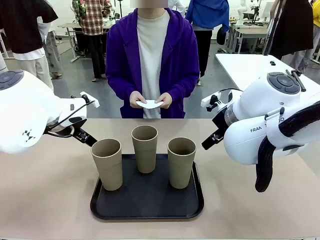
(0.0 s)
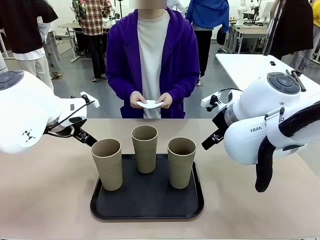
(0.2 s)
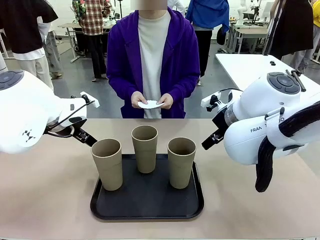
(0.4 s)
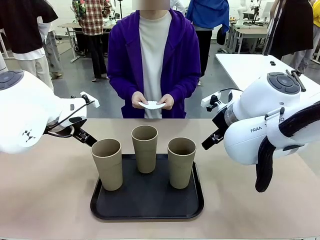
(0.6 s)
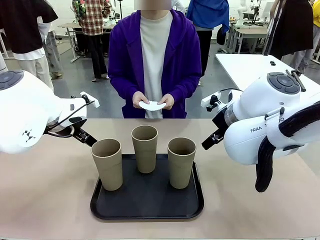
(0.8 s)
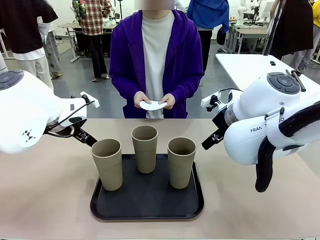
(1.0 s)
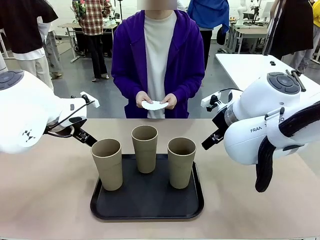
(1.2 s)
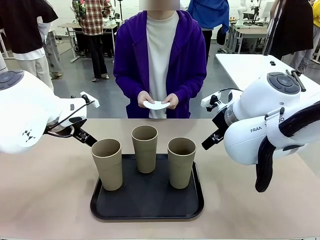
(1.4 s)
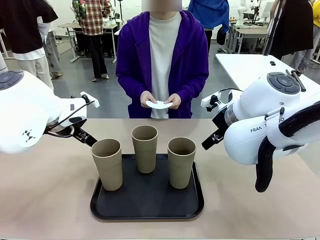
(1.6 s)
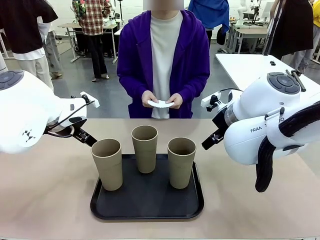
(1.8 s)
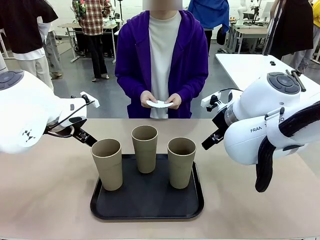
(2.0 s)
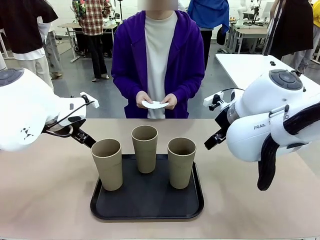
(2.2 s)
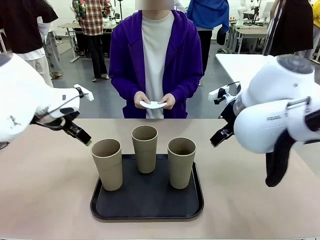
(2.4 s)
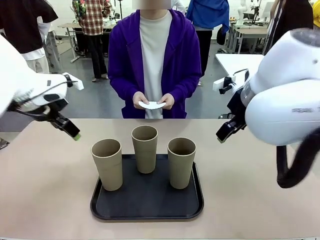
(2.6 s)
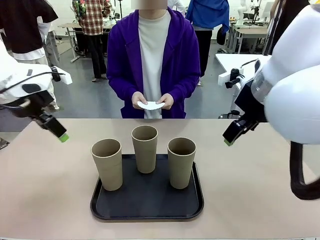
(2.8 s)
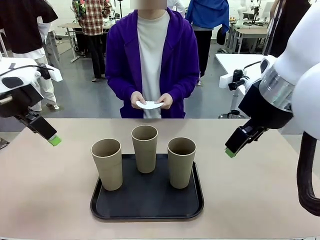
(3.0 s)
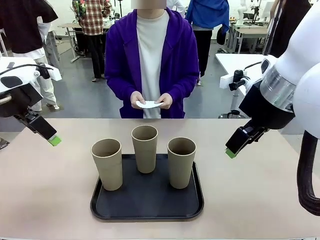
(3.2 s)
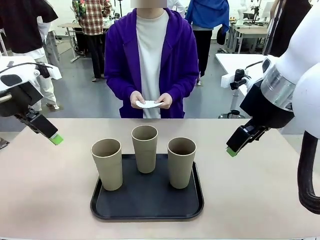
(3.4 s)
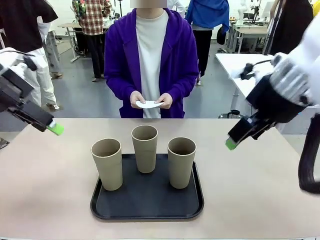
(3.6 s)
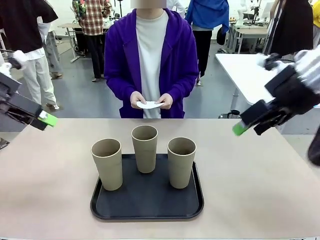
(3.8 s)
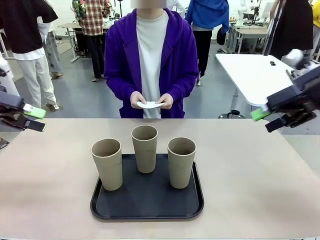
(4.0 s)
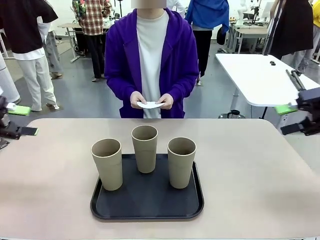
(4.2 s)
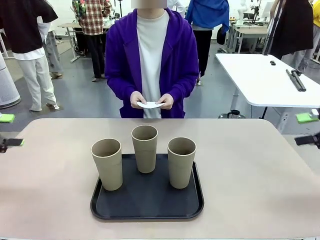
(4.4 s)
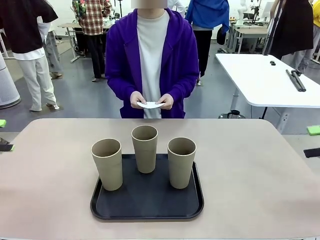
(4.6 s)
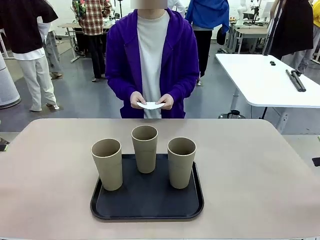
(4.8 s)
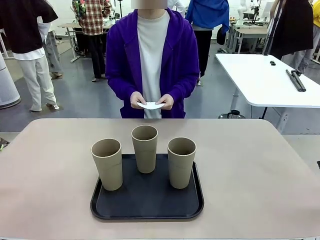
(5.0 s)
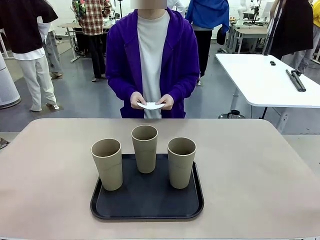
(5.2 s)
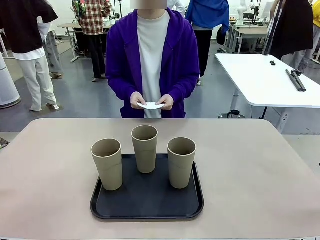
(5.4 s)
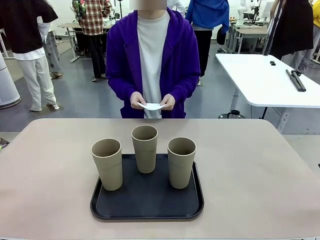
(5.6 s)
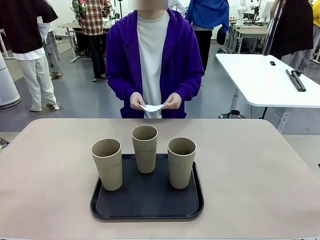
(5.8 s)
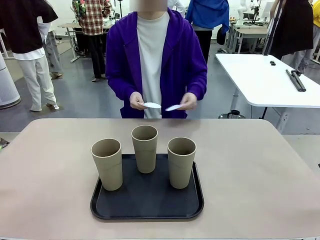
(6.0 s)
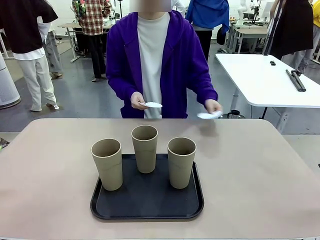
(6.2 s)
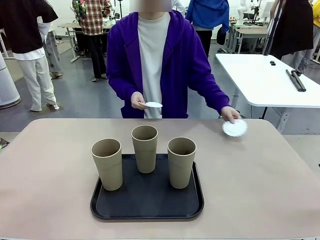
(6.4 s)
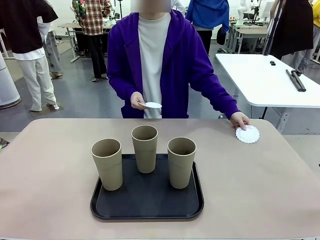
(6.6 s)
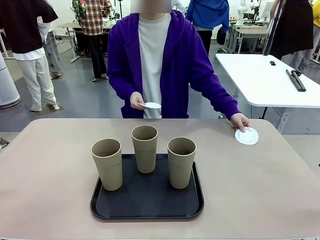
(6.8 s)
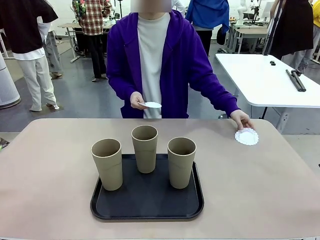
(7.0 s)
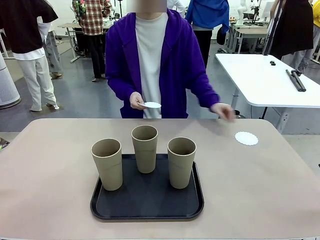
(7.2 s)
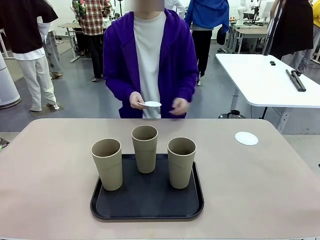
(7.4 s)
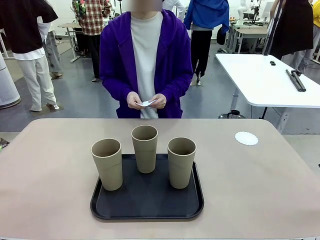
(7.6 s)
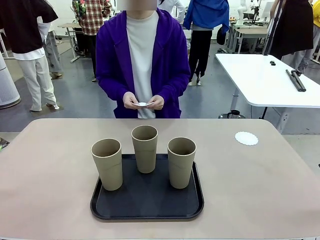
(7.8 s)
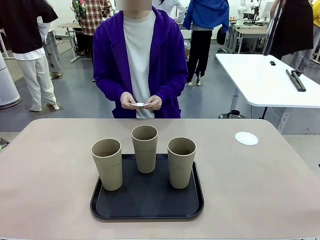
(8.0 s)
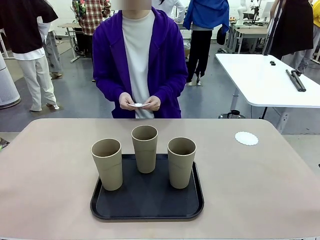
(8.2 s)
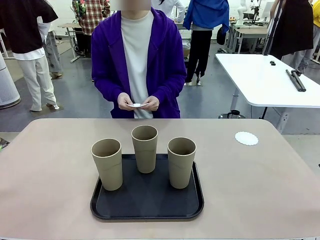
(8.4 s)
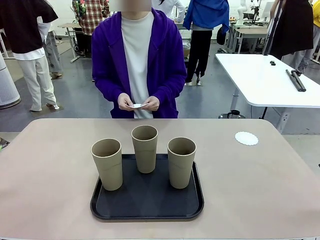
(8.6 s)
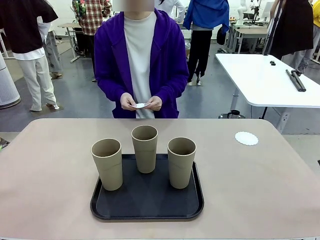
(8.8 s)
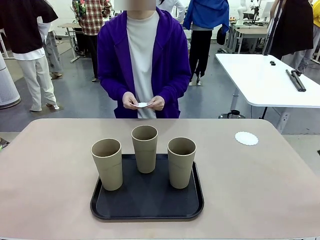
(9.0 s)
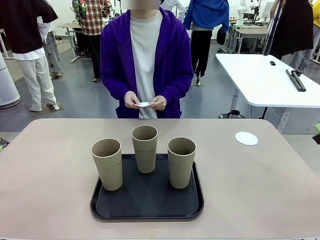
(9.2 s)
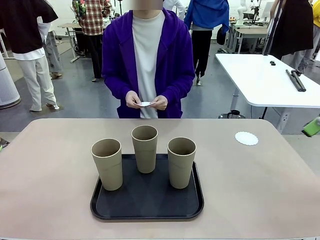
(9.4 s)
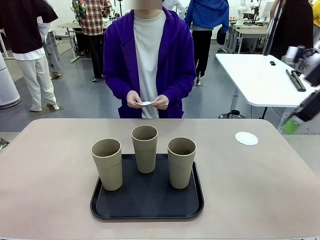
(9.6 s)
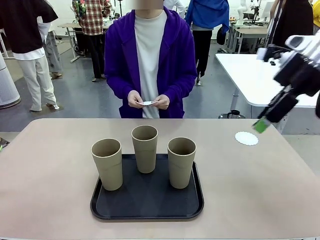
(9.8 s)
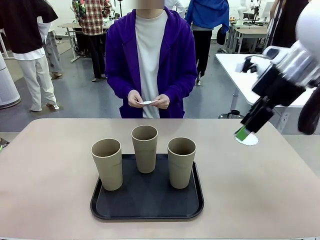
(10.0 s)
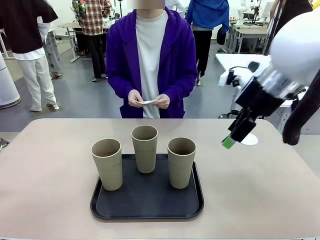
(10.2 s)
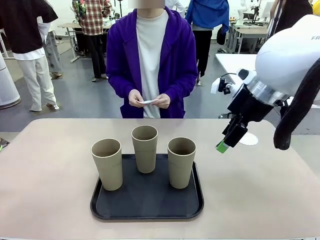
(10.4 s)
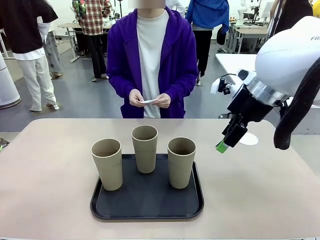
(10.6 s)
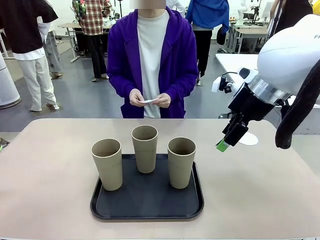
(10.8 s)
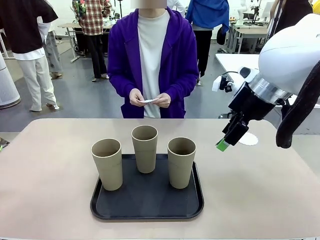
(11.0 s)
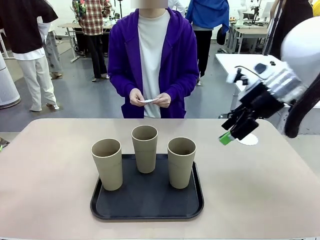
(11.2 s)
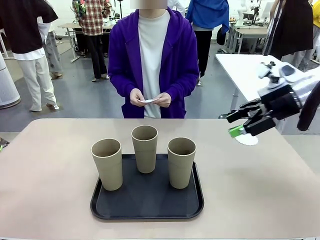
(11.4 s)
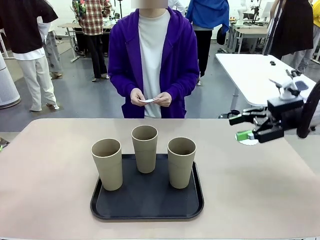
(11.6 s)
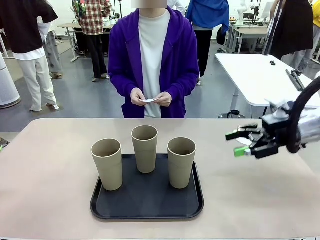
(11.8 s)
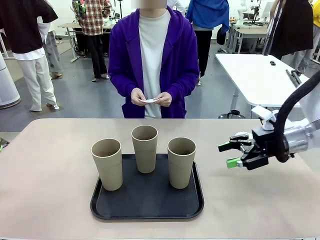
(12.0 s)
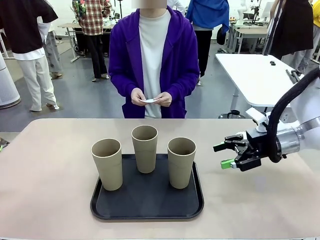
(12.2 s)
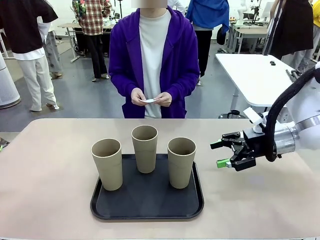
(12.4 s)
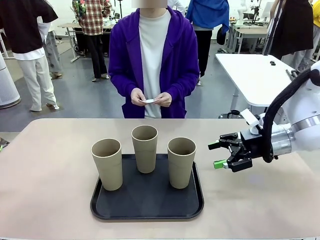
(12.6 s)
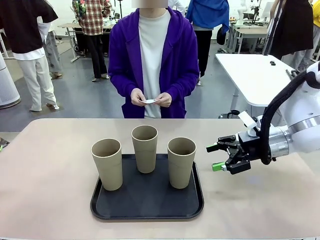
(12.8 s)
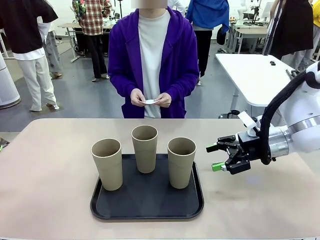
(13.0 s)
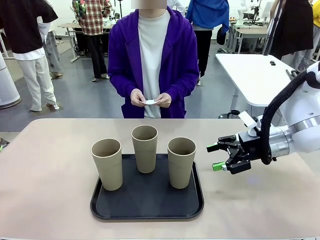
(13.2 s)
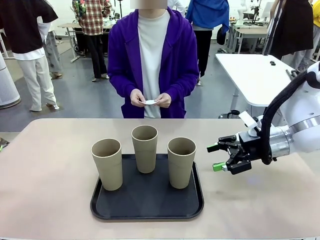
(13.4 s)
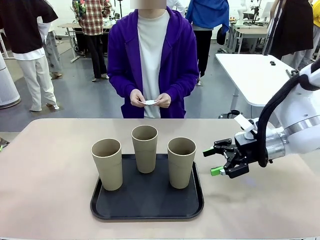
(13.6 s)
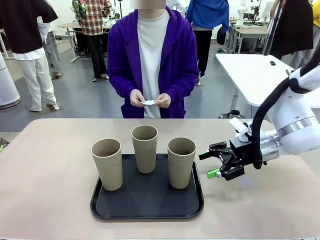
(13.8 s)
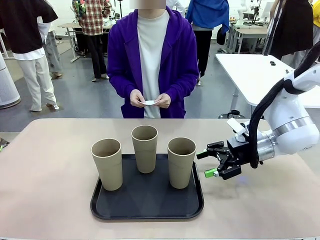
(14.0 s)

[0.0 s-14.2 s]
Task: Place coasters on the table and set cups on them.
Robot: Pick up one Reusable plastic cup and place it on a coaster set by the human.
Person: Place one coaster in any one of the three lower areas of the robot table (left, center, or right).

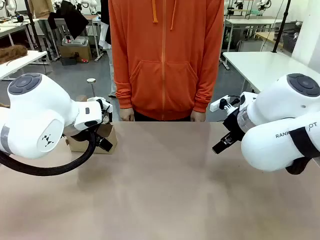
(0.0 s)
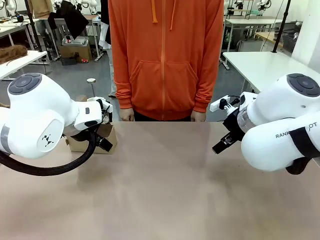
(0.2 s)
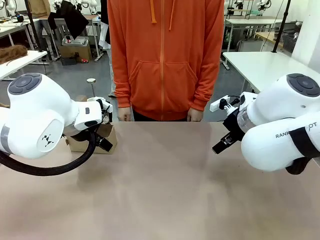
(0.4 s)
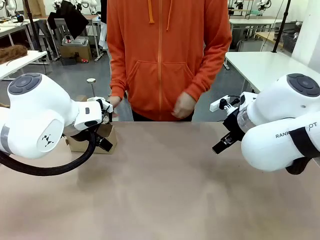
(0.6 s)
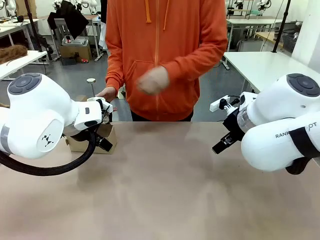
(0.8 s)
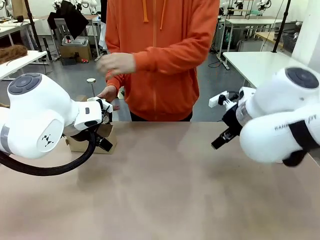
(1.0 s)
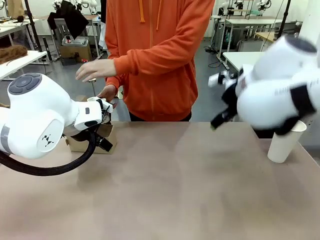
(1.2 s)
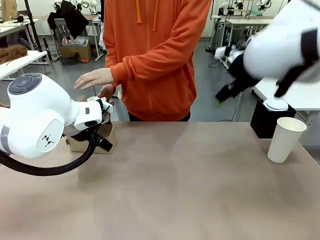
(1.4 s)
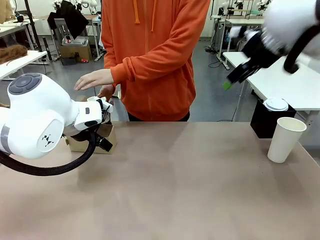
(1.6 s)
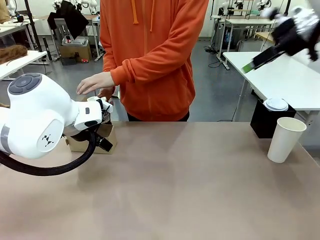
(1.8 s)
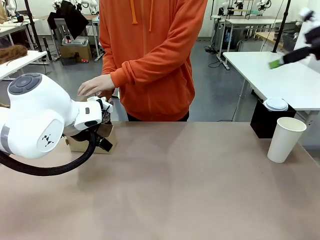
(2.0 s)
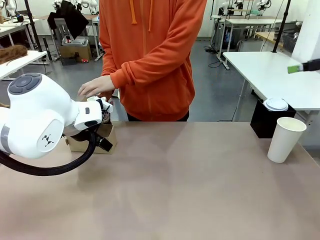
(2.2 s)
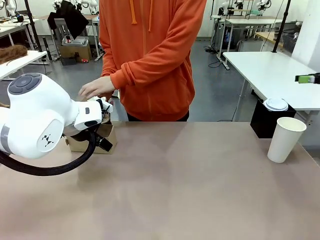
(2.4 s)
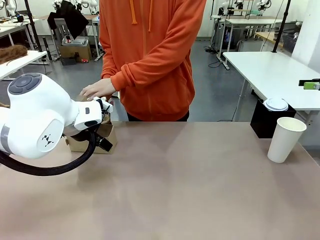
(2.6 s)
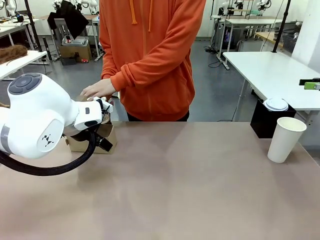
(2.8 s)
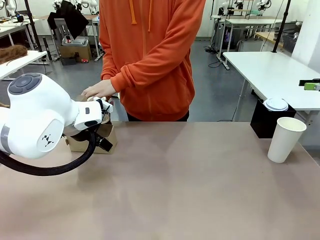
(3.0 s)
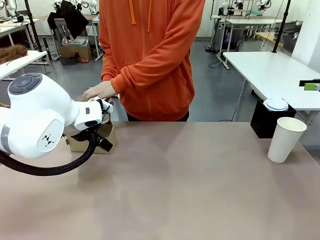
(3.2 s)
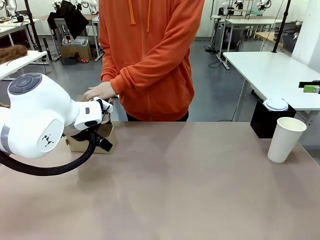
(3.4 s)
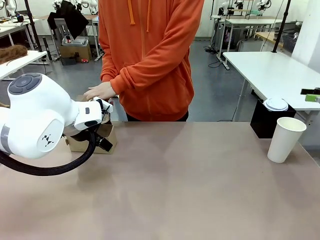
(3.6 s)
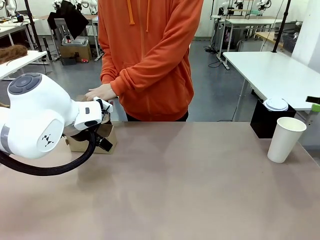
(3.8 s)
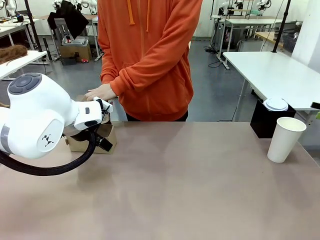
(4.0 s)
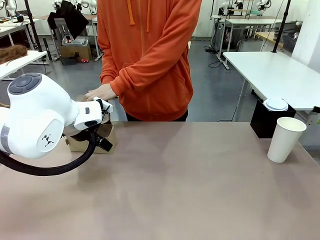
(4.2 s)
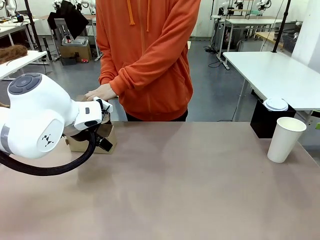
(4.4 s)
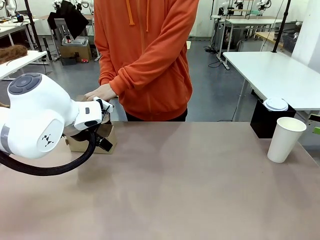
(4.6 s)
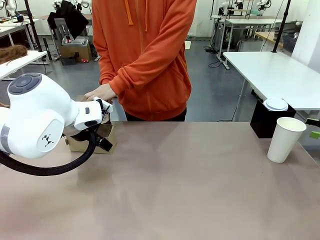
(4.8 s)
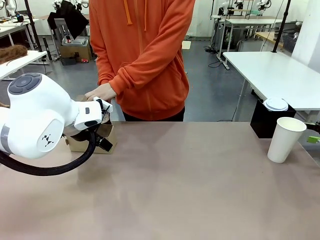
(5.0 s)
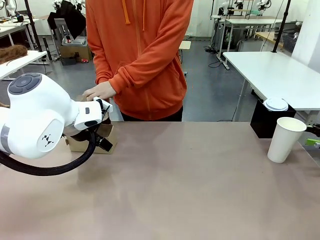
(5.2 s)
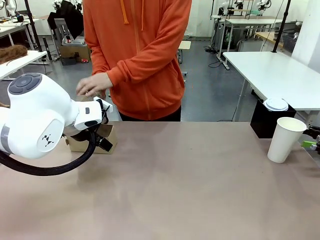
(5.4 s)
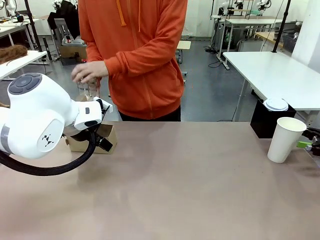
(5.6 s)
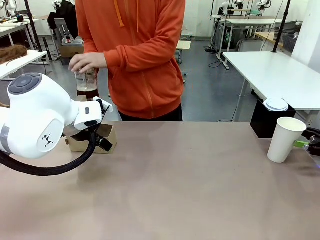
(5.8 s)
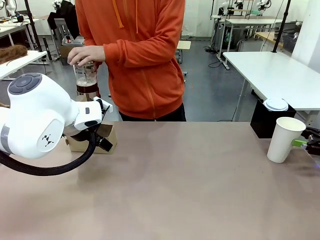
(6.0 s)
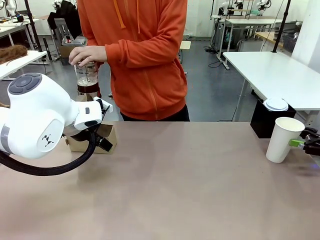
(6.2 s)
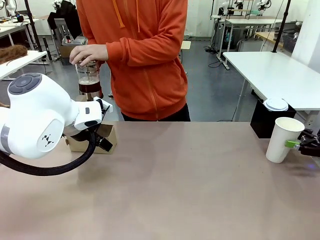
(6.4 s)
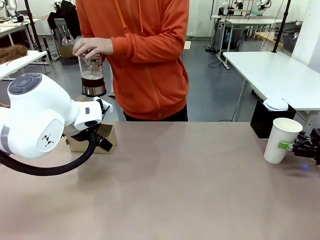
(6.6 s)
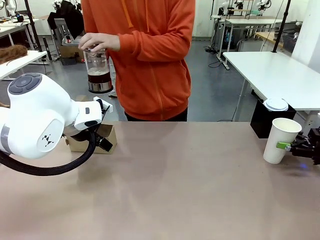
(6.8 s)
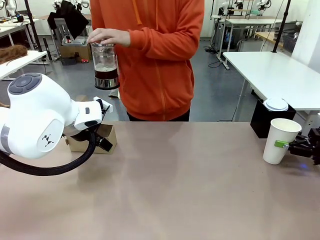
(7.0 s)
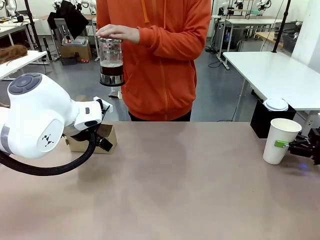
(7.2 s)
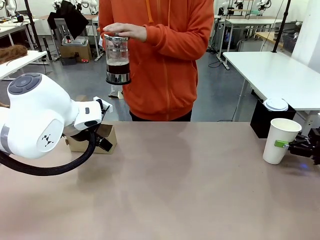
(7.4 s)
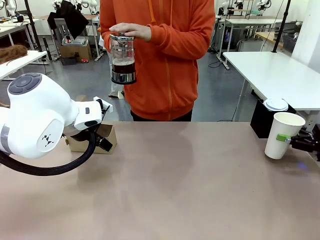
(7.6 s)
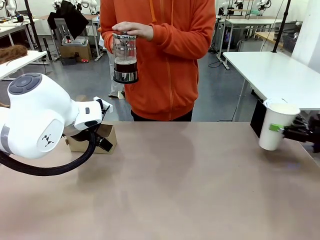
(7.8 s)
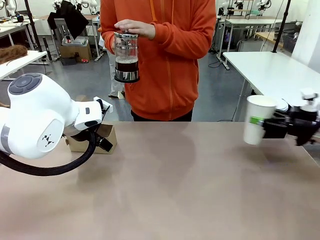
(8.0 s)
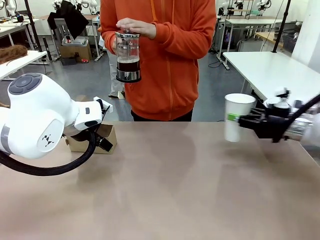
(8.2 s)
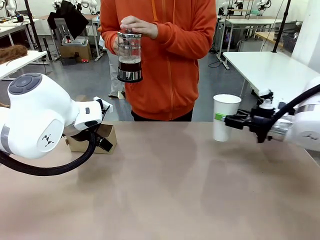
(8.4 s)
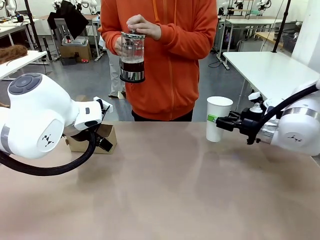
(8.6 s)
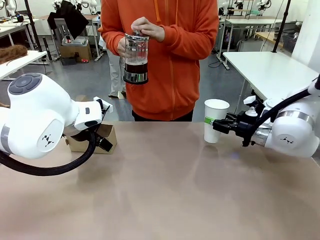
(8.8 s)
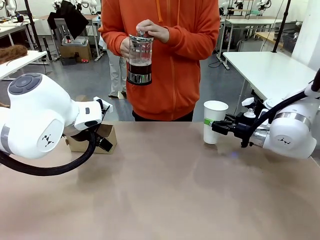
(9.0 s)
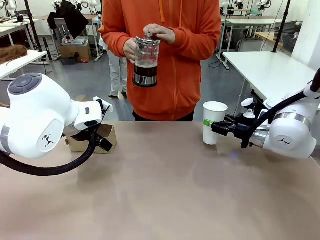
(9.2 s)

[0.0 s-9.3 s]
Task: Pour a drink into a cup and package it in a carrier.
Robot: Pick up the 600 ml Paper Cup and place it in the middle top area of the table.
Person: Press and pick up the Filter Brewing.
